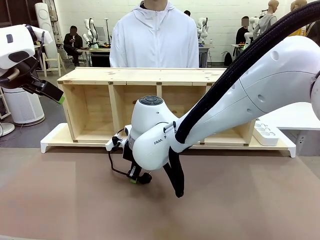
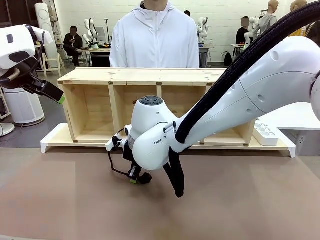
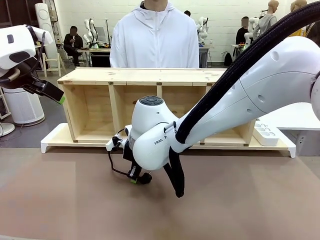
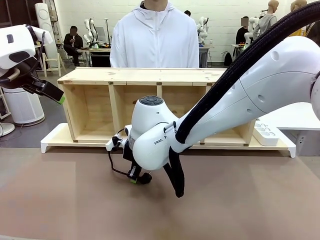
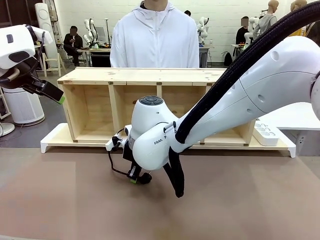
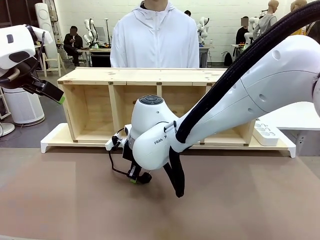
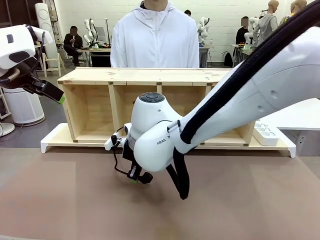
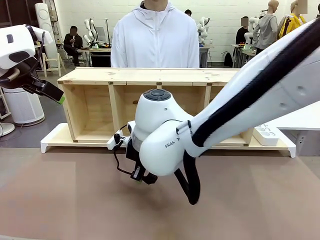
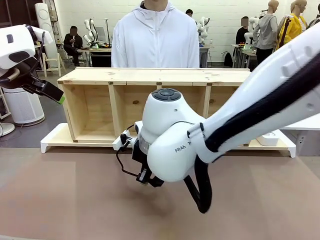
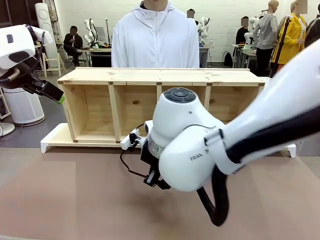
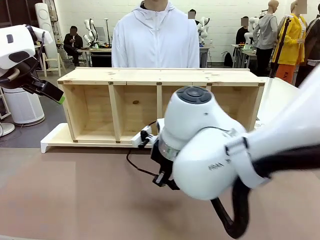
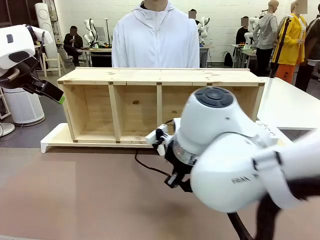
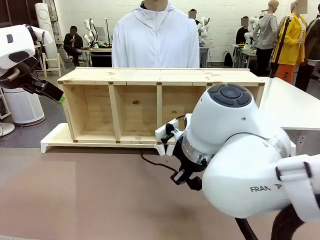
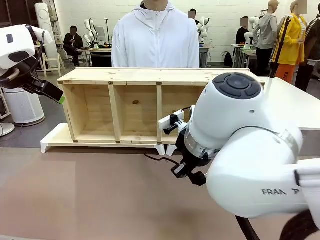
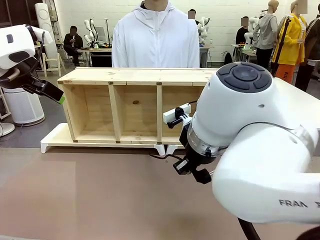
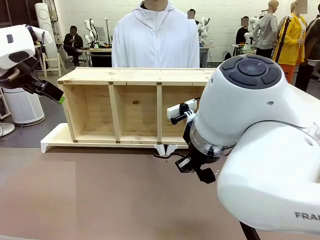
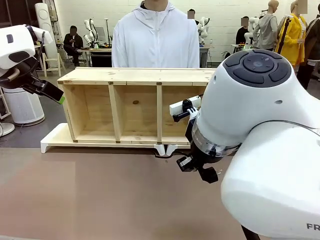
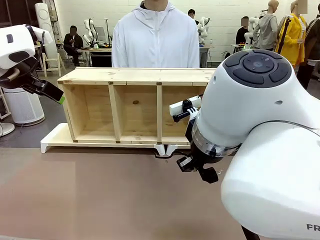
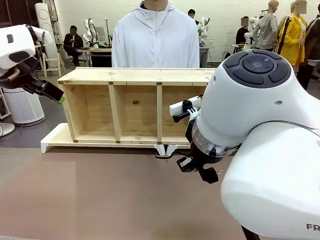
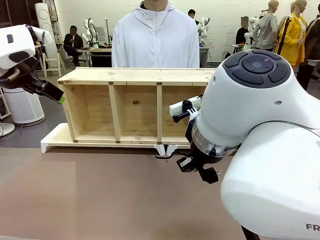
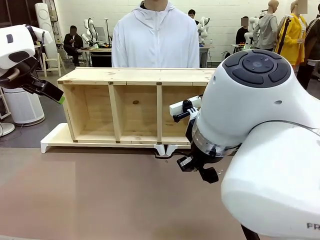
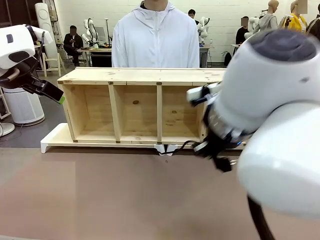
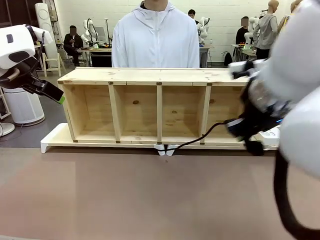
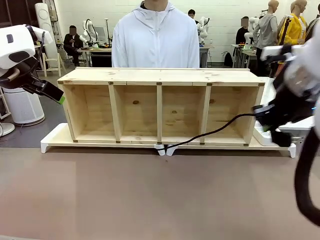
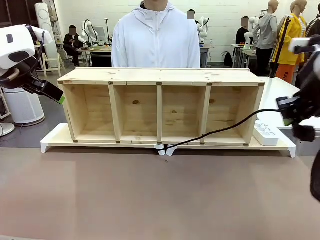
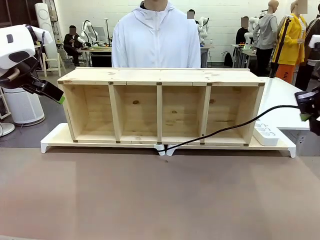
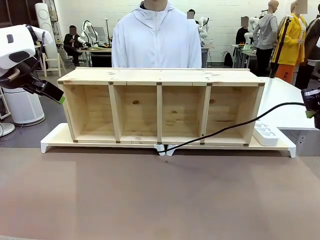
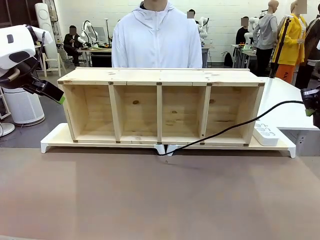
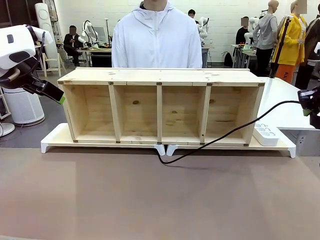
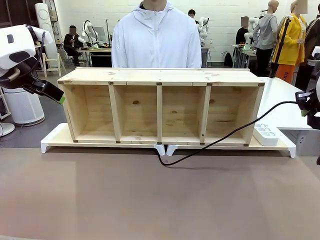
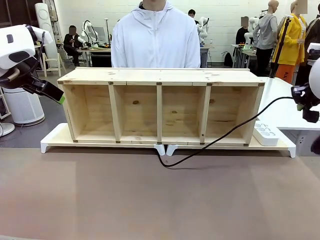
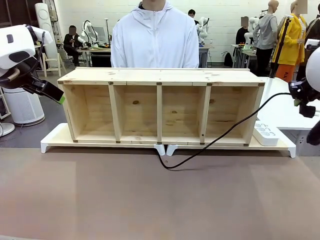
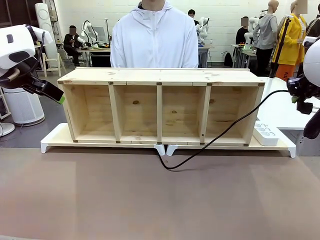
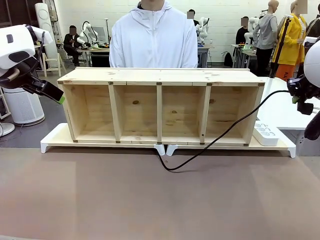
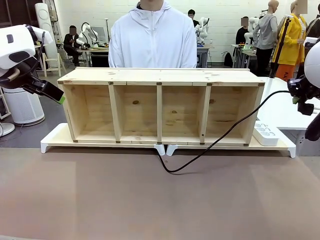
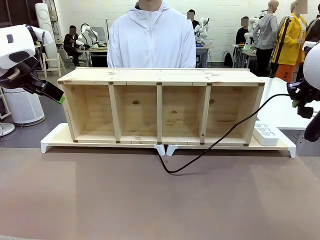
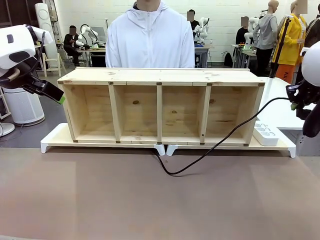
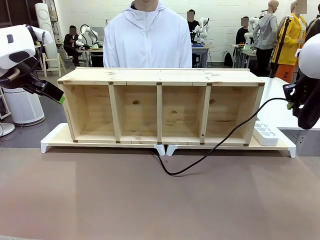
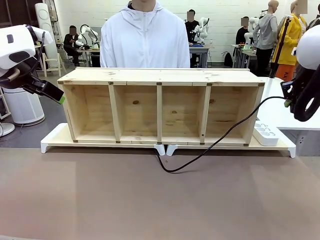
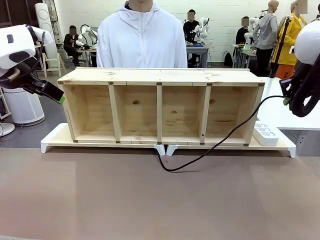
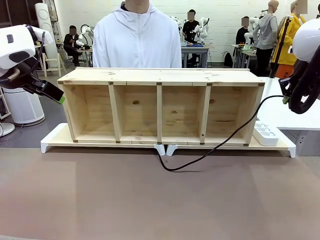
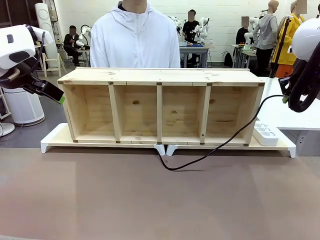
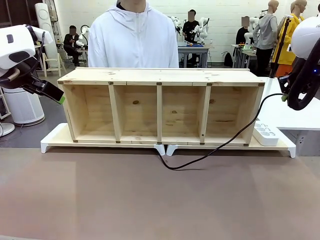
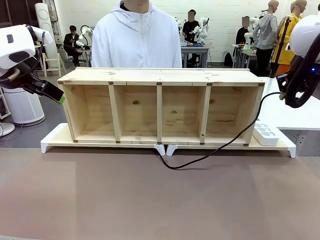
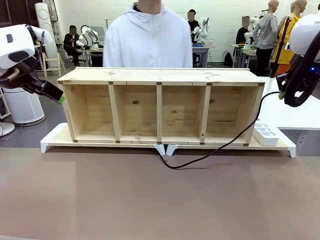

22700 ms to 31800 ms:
Task: Perform cable management.
Robot: Pull the grasped Power Cable to the location of the Power Strip.

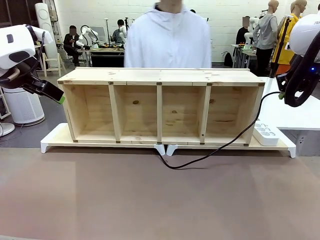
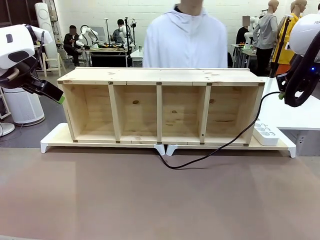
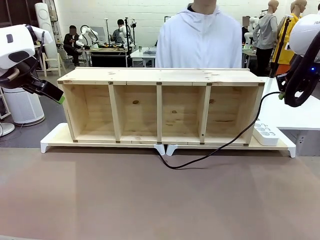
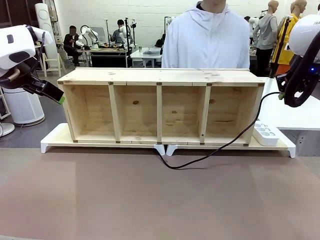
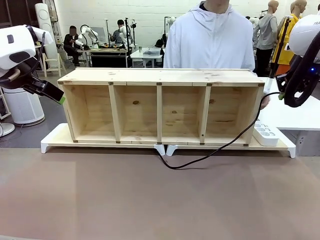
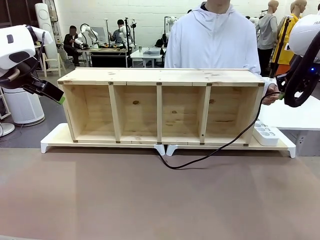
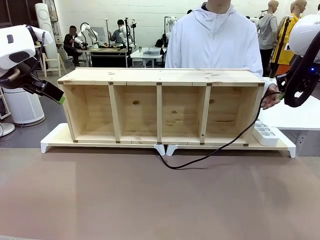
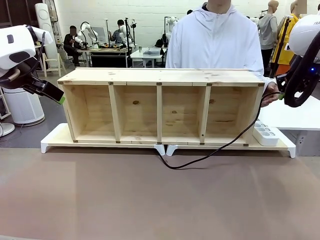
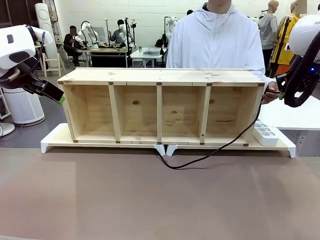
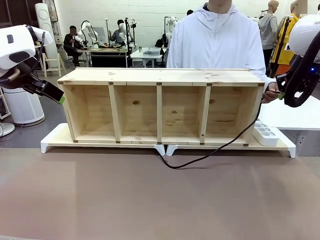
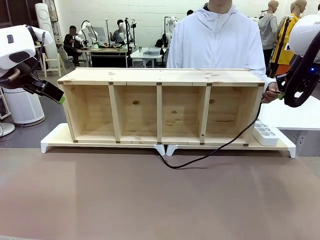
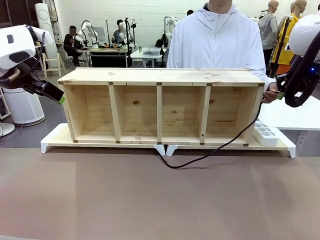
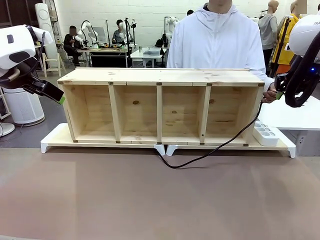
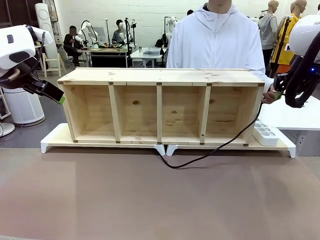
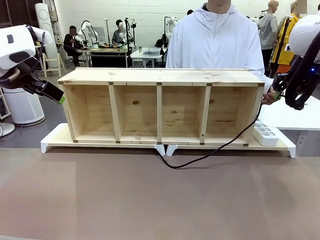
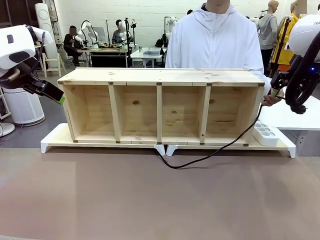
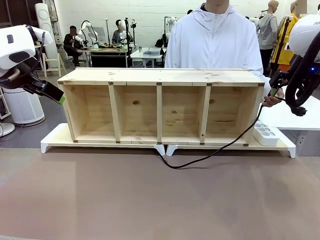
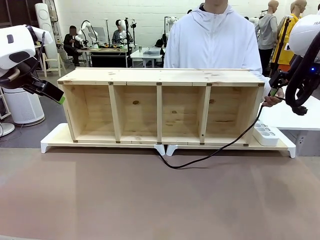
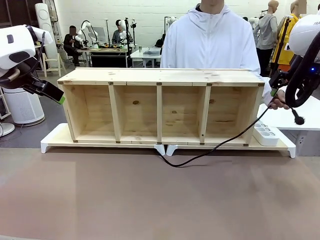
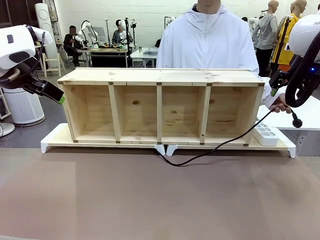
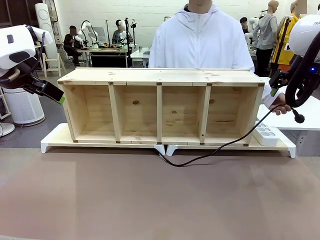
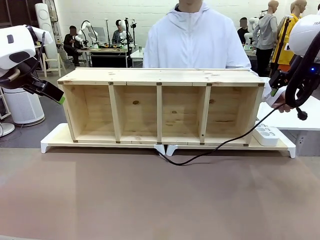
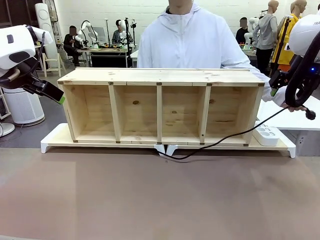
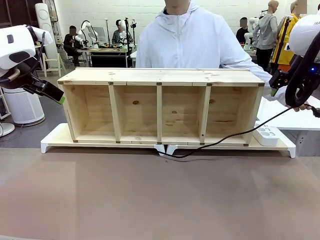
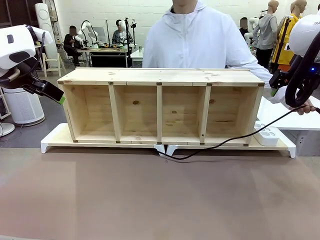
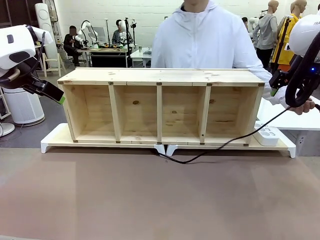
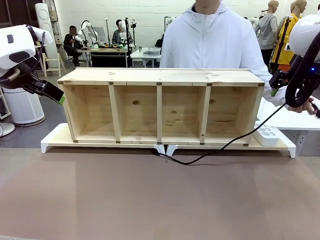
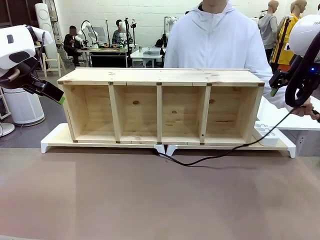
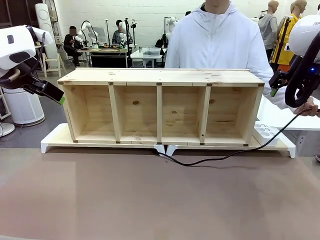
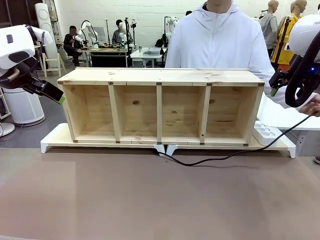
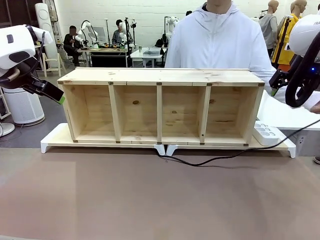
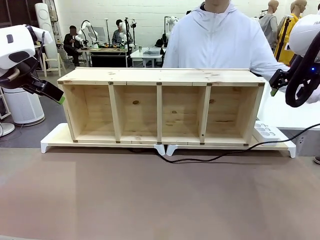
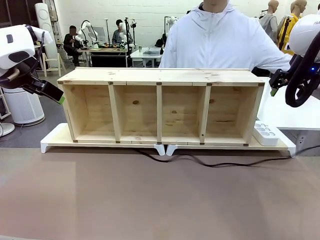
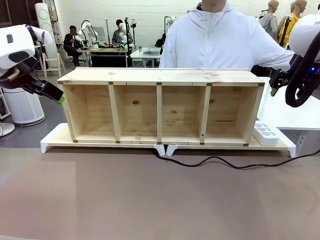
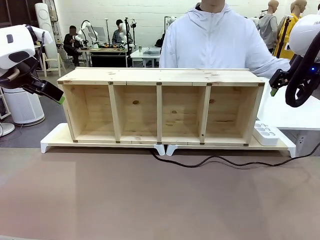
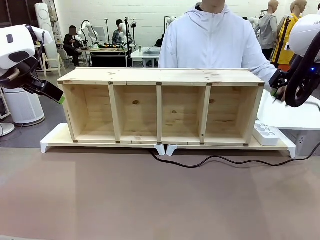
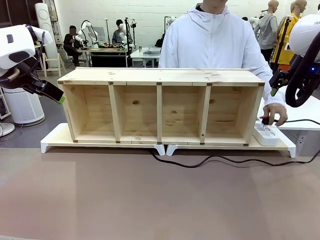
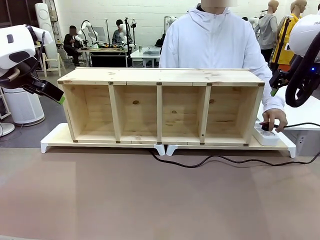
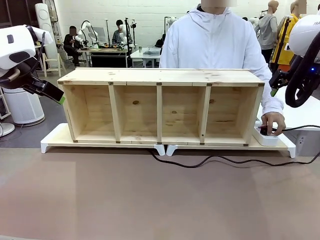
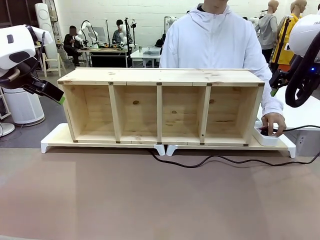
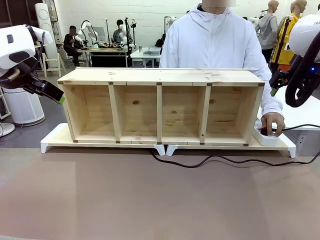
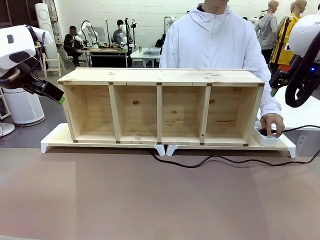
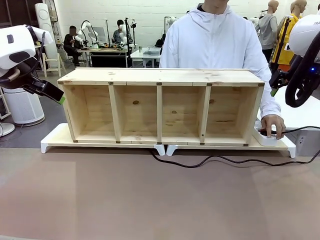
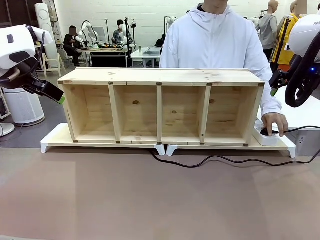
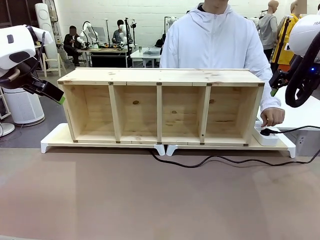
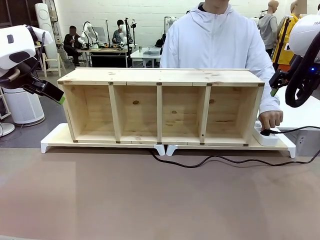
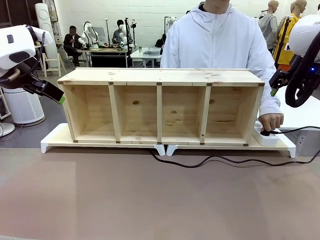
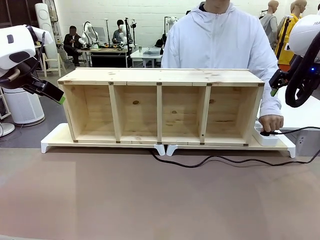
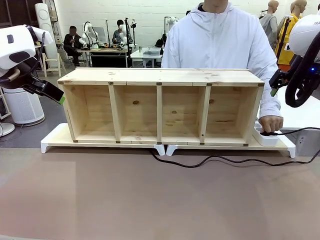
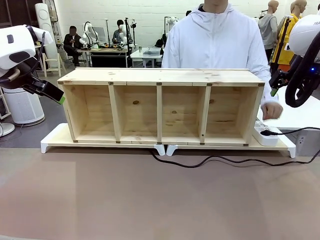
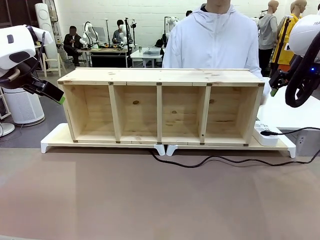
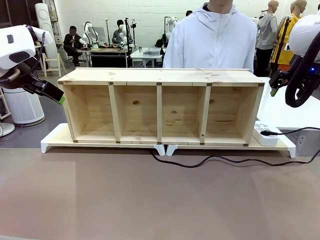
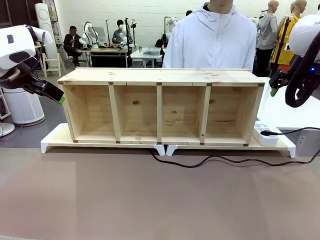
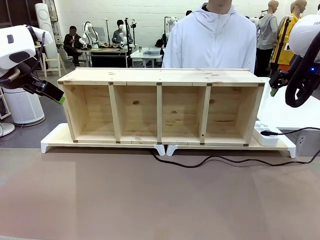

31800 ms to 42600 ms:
Robot: Release the Power Cable when the human grasps it.
Person: Plug the Power Cable into the Power Strip.
